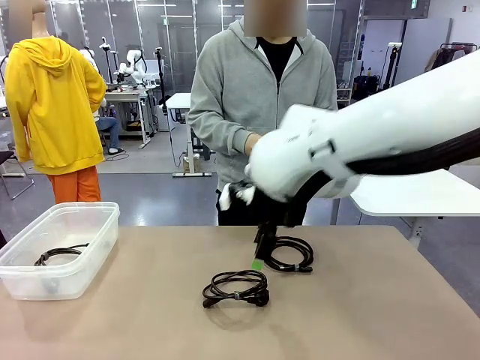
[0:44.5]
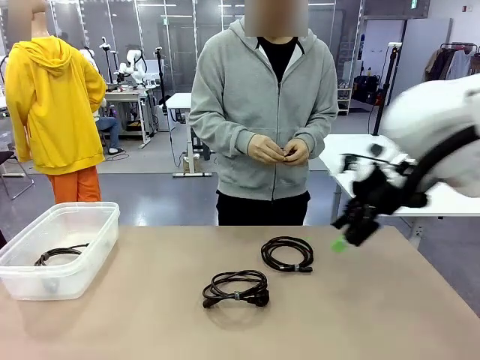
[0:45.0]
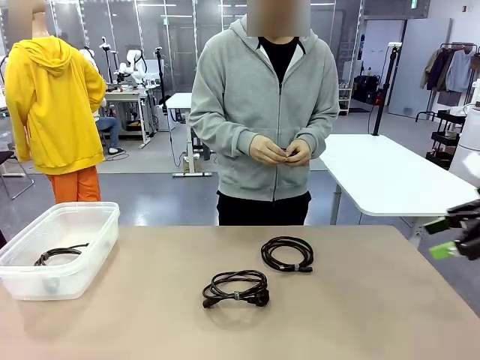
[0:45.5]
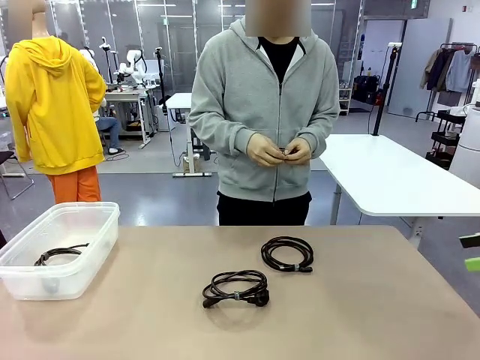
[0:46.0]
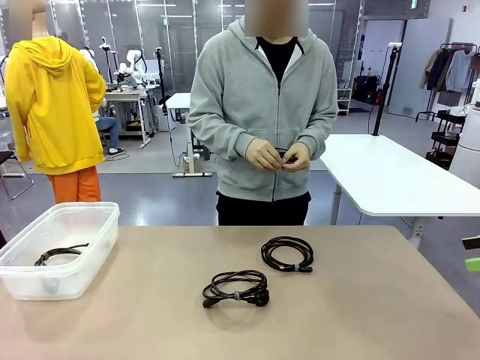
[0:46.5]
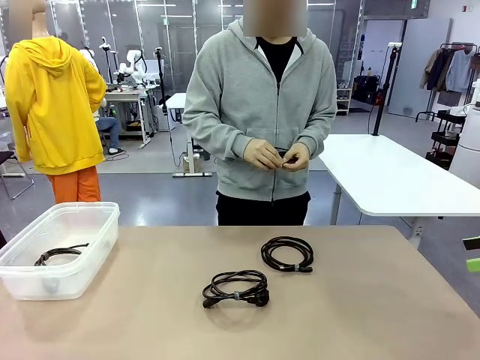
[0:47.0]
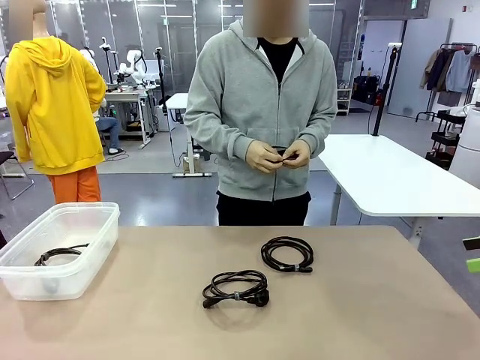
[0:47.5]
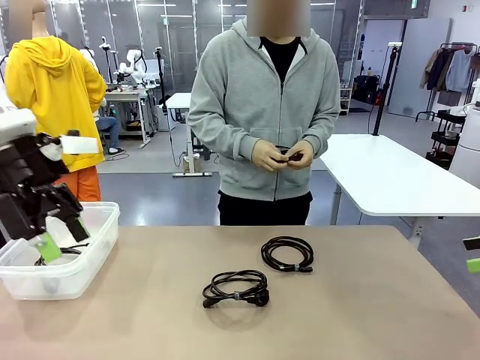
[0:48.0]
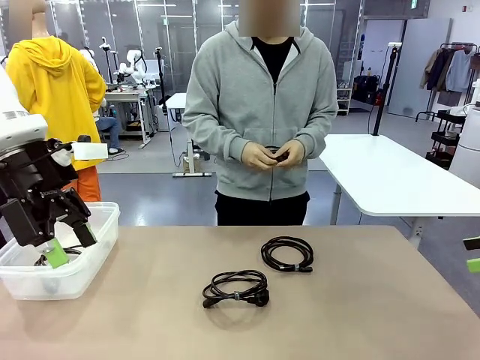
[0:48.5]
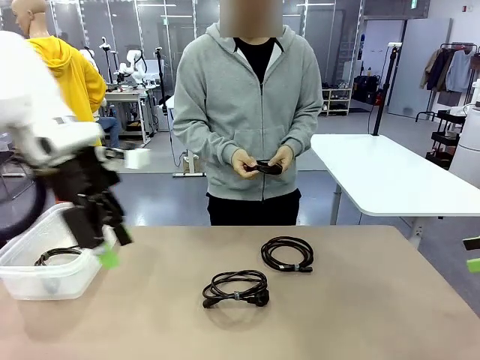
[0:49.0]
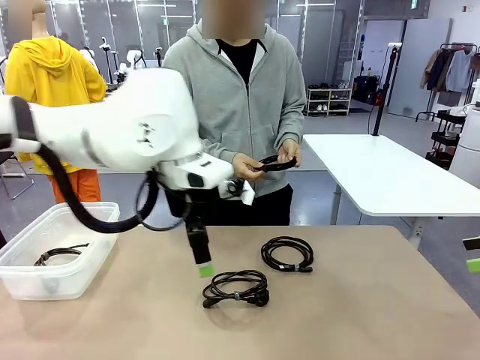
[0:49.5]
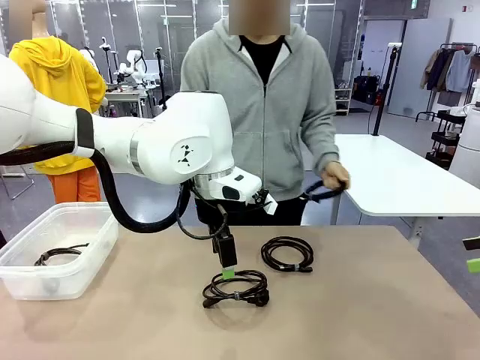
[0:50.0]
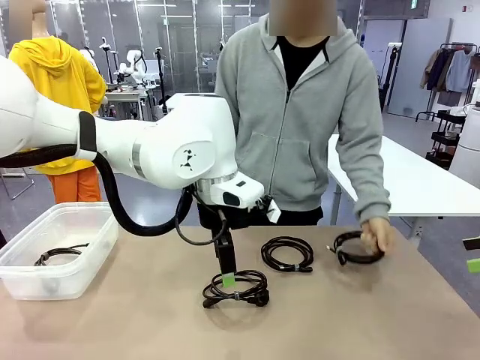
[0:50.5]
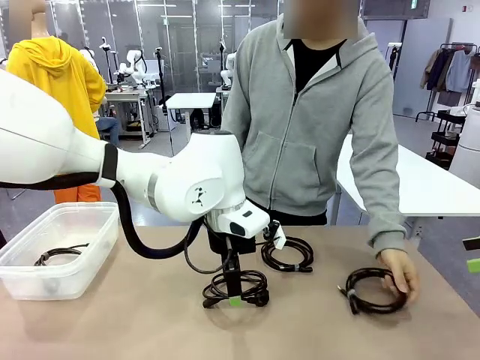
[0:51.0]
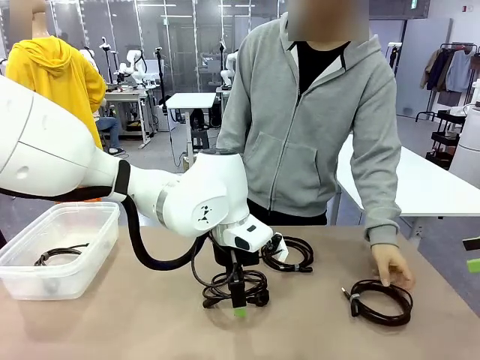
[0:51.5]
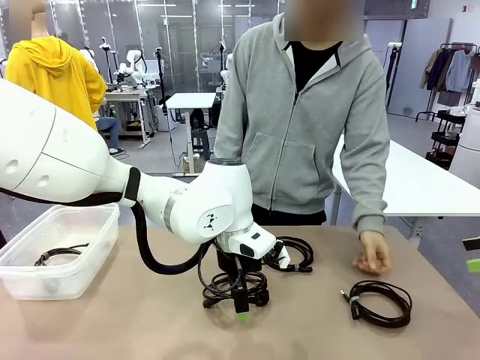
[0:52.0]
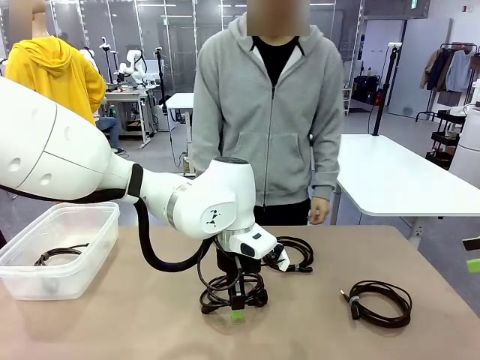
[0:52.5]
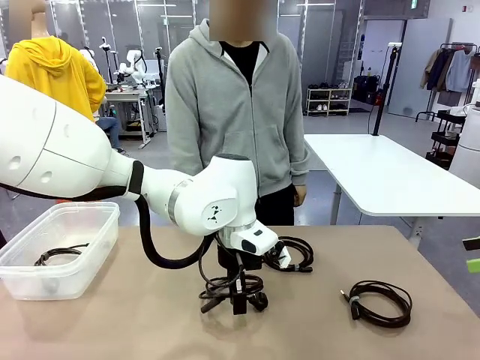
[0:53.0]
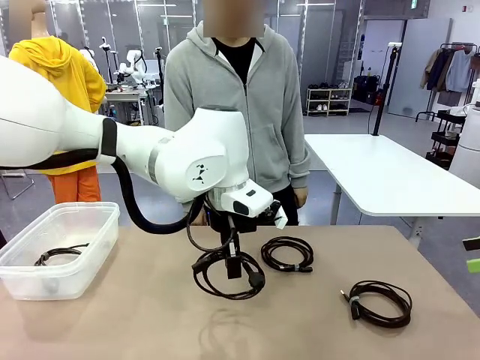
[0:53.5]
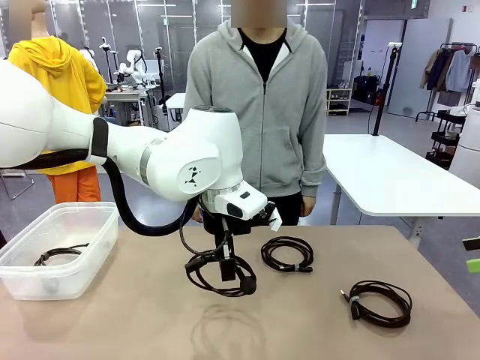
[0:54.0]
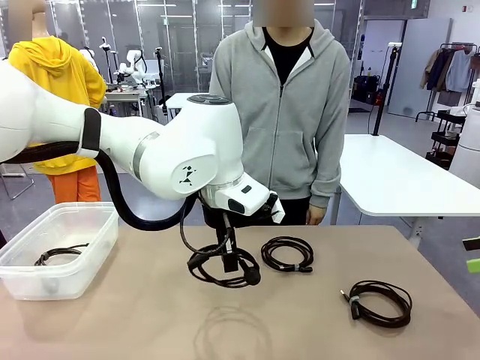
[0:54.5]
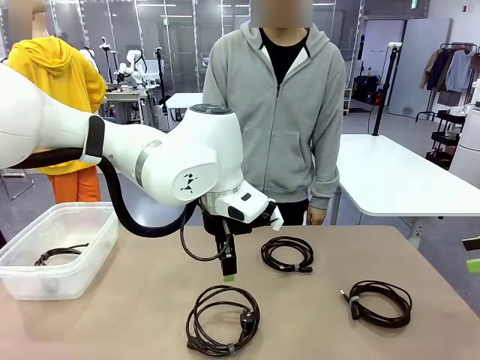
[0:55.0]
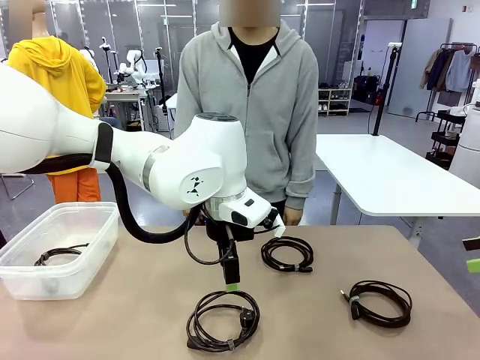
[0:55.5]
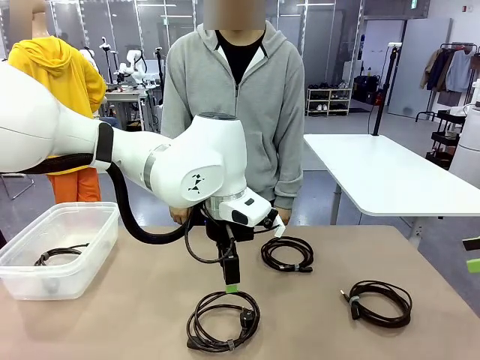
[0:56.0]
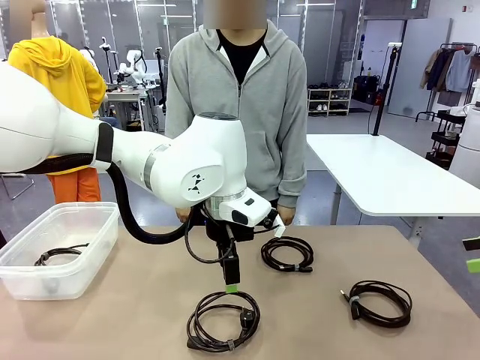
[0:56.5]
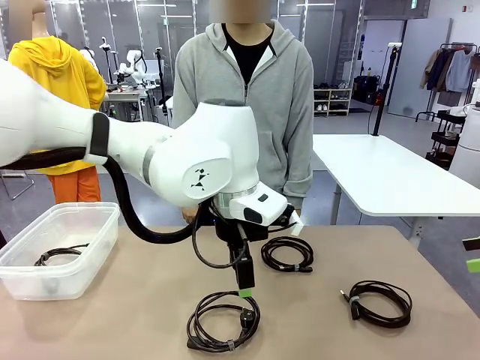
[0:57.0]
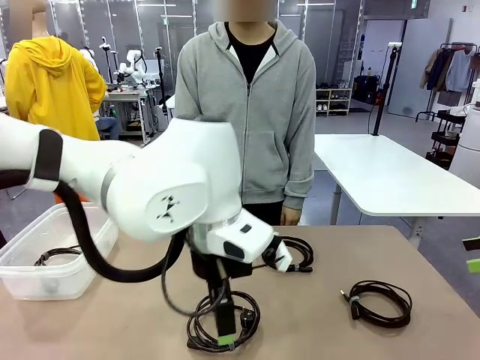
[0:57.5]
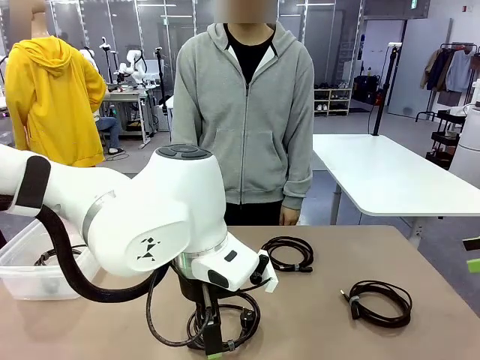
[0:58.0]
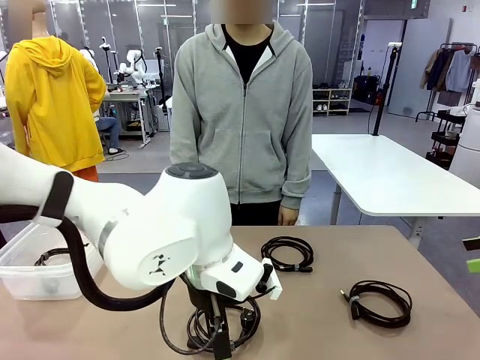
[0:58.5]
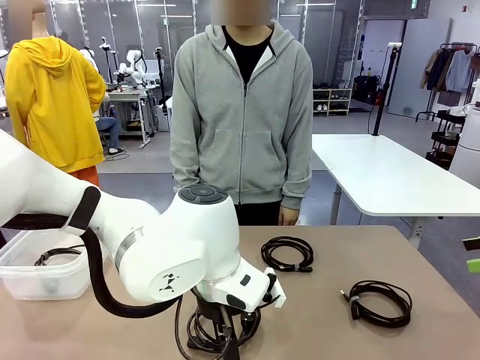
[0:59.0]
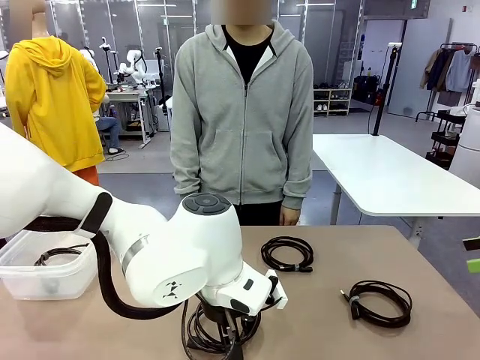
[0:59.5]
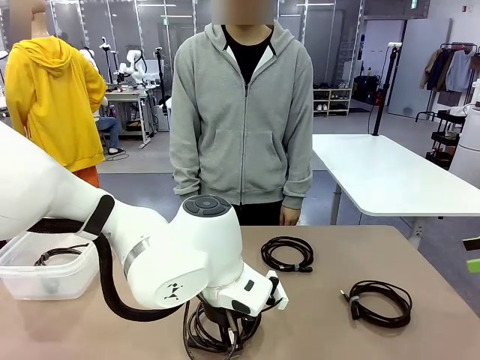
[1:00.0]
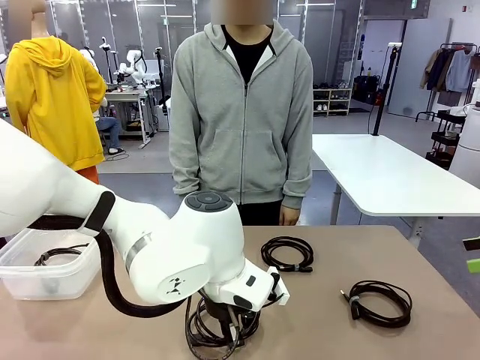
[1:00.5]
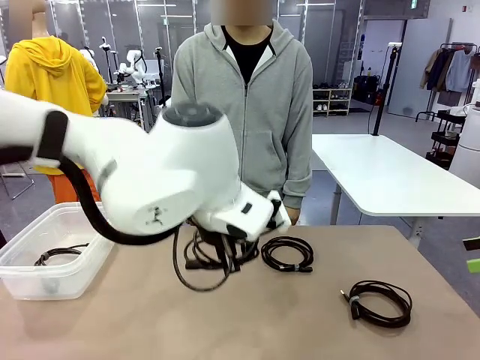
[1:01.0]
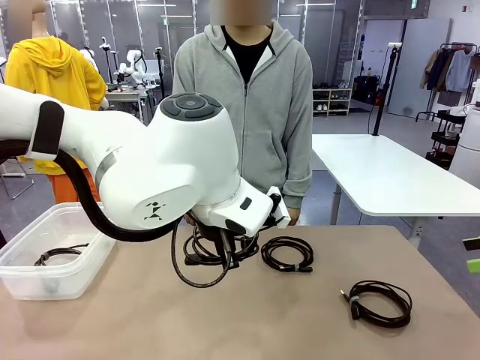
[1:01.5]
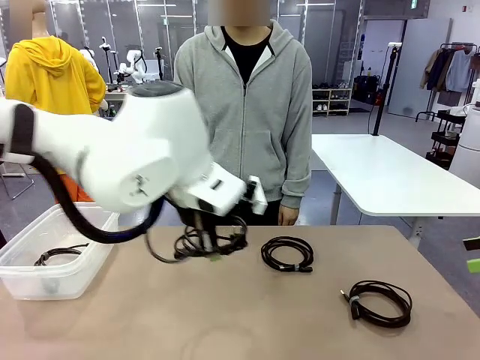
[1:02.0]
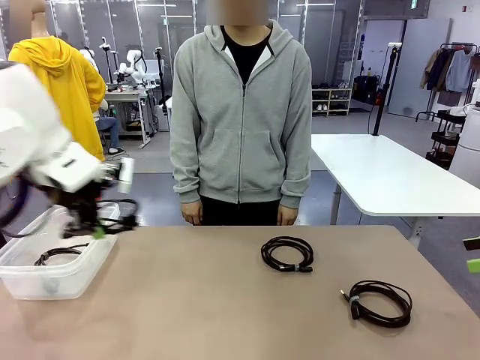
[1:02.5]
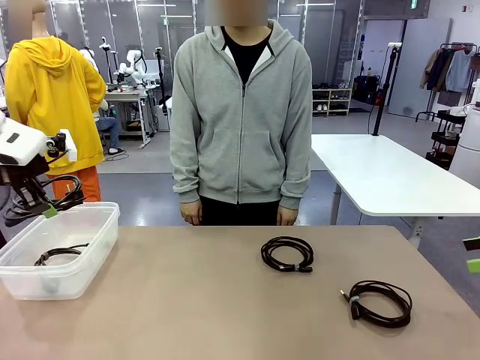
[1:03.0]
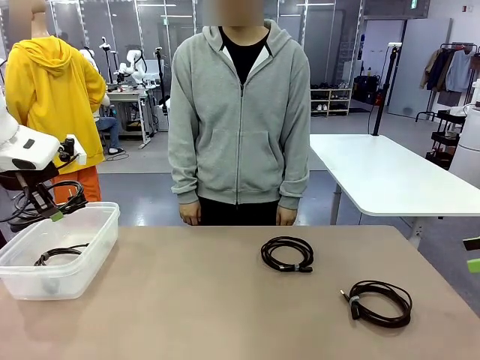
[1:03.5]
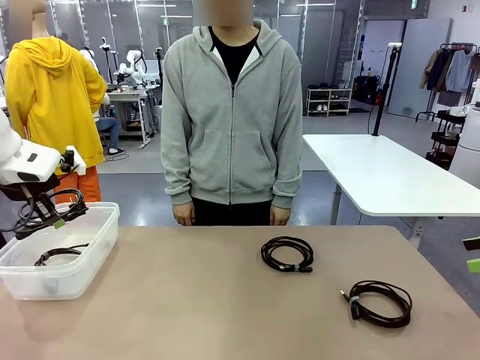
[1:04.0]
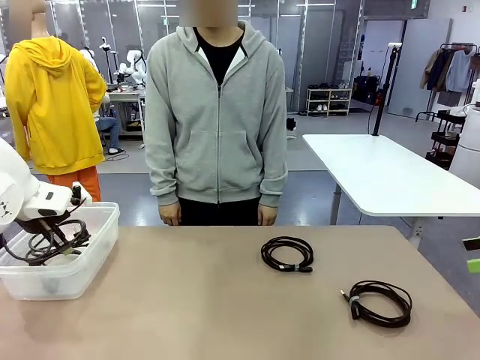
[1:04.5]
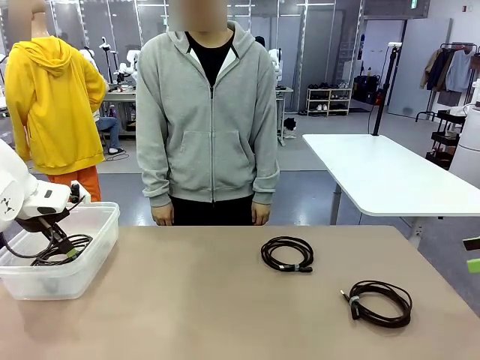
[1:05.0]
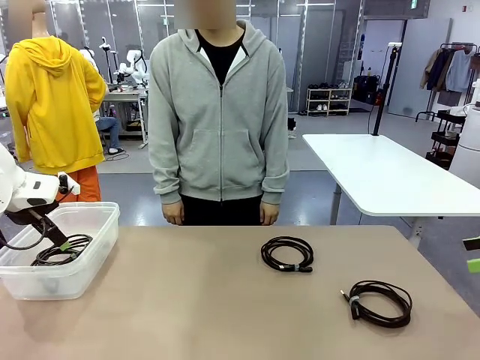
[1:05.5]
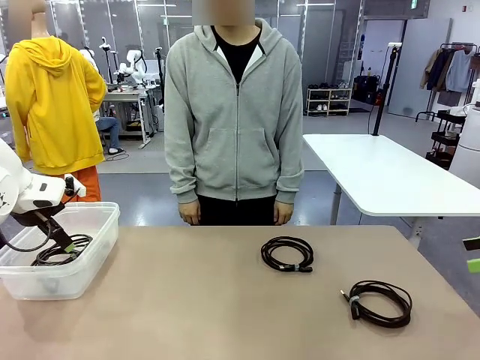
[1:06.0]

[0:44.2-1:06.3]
Task: Organize and store the cables.
Robot: Place the Power Cable into the Organizing box.
